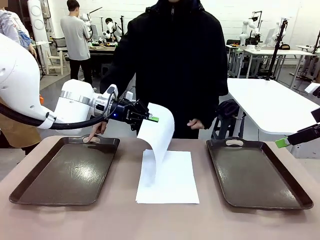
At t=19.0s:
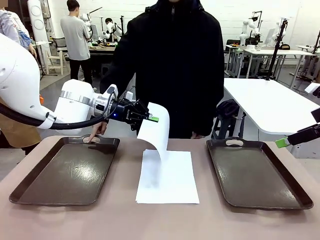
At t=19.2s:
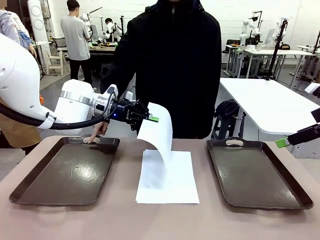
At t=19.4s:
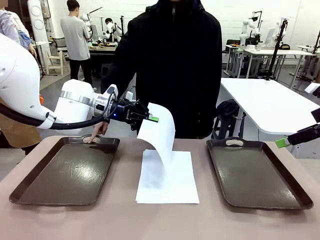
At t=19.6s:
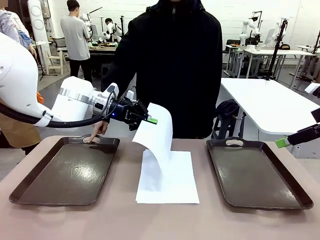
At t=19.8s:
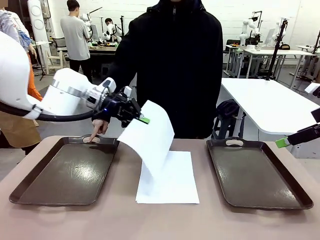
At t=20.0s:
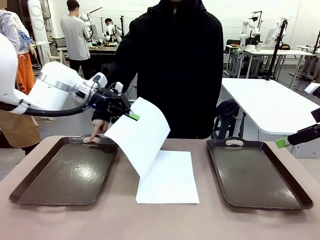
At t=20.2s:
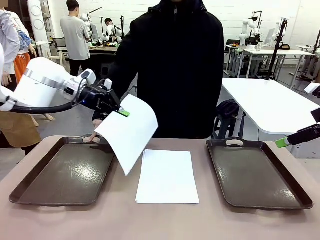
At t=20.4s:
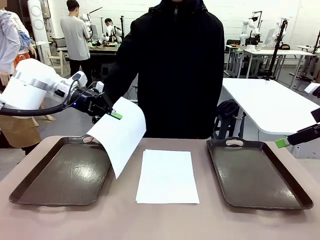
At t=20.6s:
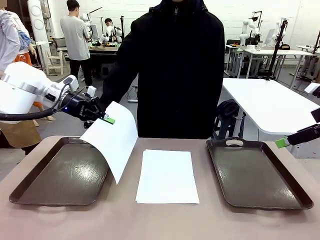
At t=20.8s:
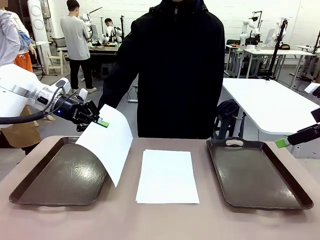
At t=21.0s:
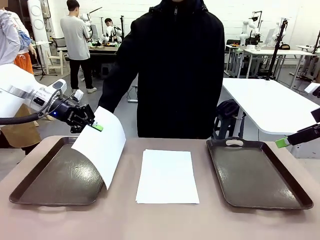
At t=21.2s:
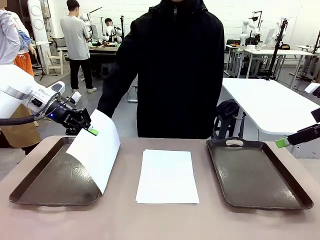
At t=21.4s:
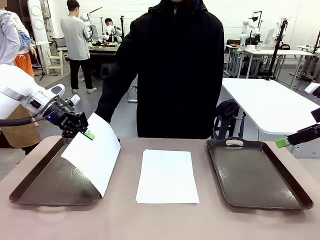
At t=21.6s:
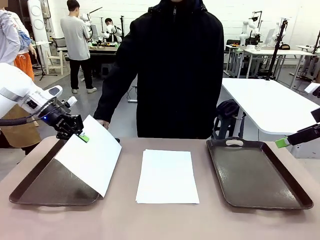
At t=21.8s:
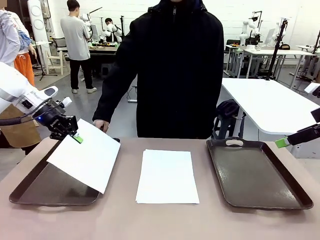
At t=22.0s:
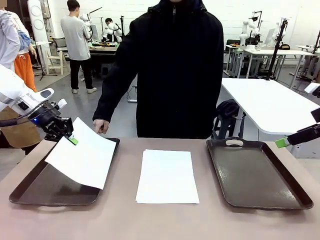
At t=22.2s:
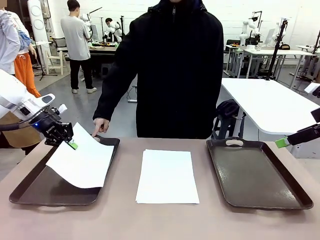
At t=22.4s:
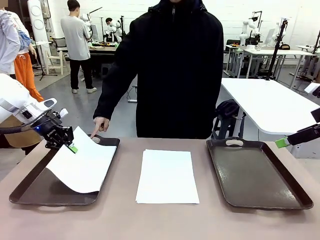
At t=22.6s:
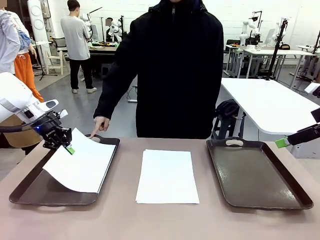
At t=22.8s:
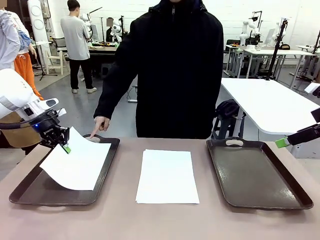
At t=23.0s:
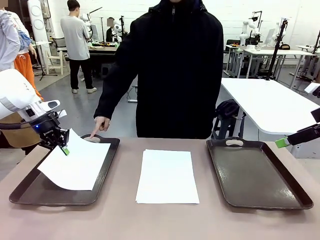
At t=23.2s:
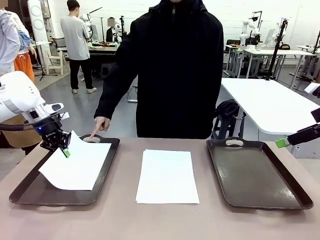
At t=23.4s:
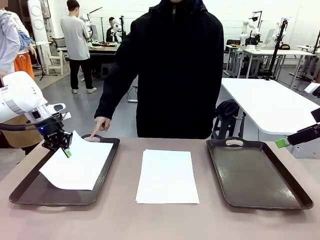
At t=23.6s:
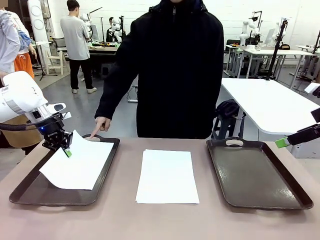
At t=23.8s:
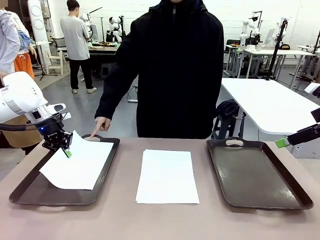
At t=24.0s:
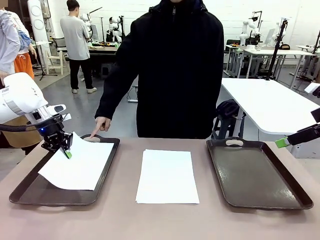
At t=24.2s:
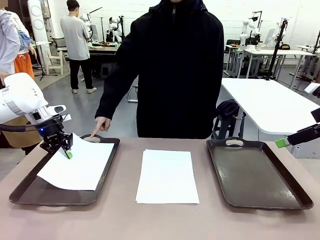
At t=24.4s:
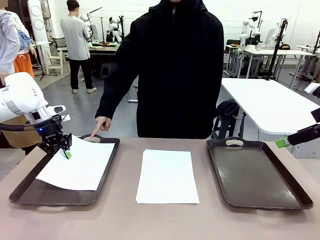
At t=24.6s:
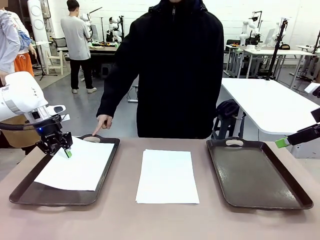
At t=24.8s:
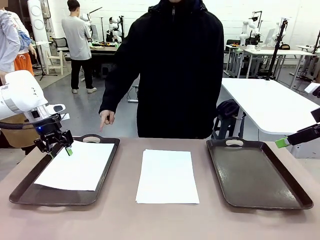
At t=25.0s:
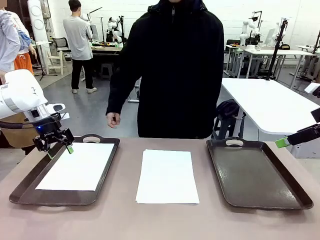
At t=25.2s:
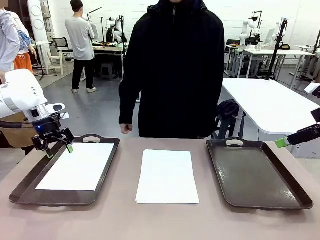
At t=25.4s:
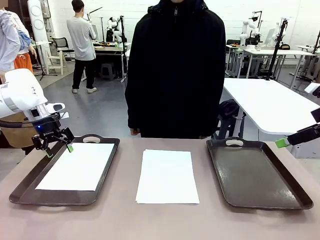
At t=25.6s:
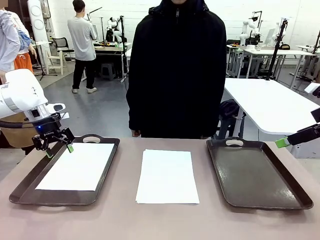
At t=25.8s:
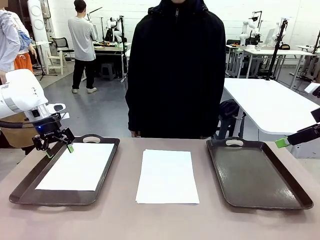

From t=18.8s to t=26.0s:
Task: Sort the A4 documents.
Robot: Place the A4 Paper in the designated Handle tray.

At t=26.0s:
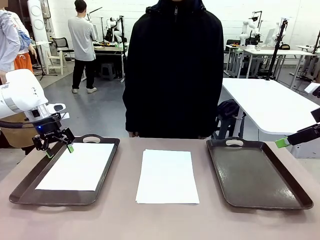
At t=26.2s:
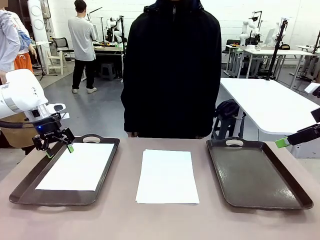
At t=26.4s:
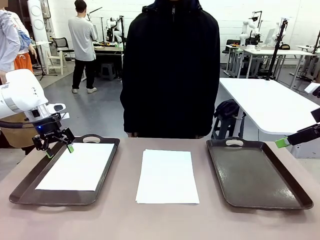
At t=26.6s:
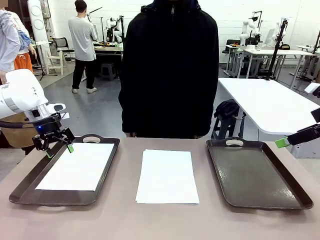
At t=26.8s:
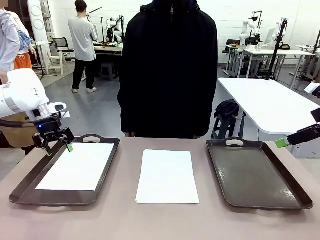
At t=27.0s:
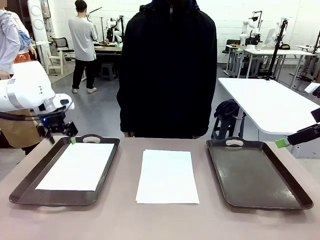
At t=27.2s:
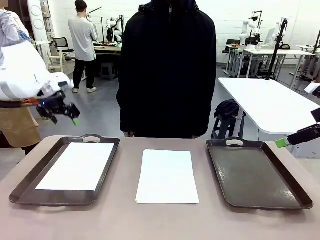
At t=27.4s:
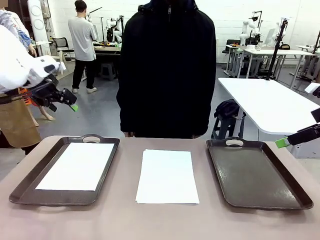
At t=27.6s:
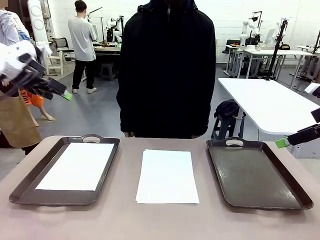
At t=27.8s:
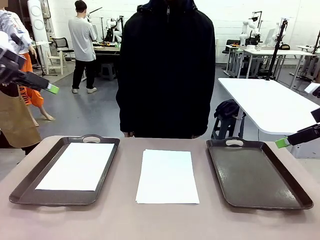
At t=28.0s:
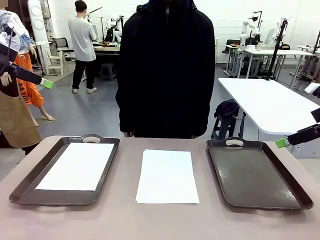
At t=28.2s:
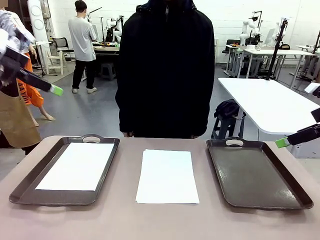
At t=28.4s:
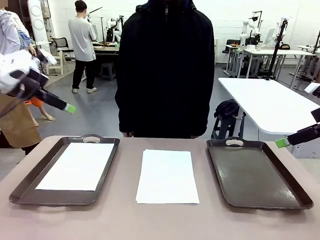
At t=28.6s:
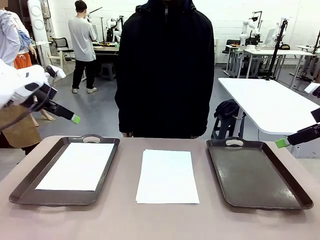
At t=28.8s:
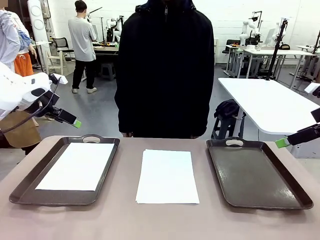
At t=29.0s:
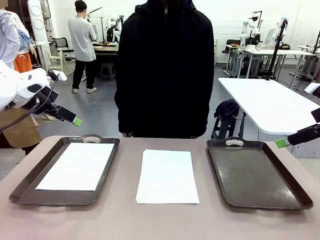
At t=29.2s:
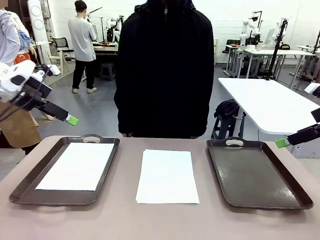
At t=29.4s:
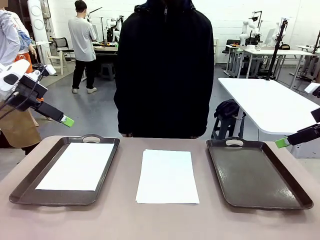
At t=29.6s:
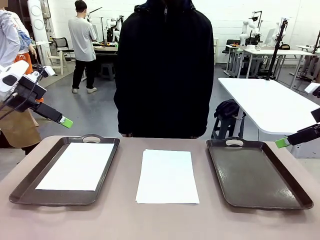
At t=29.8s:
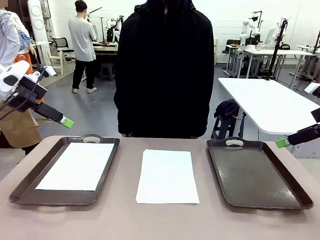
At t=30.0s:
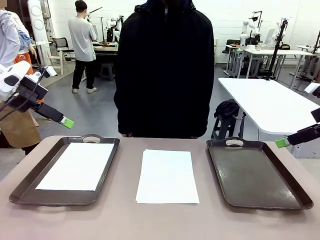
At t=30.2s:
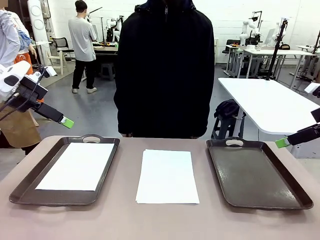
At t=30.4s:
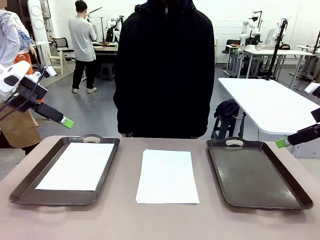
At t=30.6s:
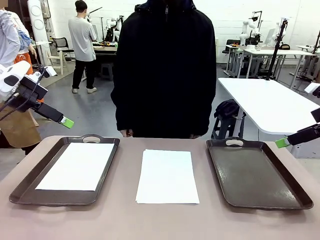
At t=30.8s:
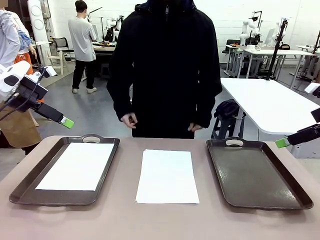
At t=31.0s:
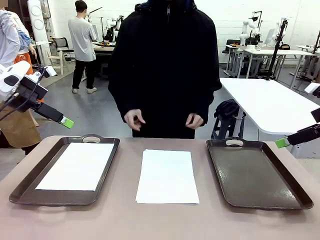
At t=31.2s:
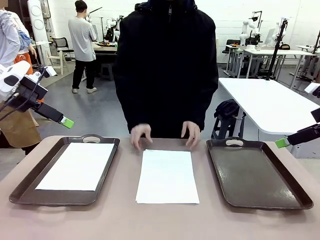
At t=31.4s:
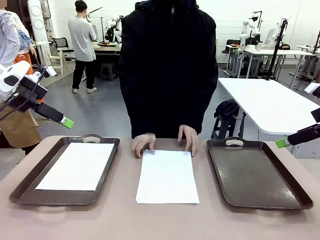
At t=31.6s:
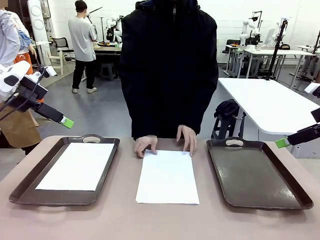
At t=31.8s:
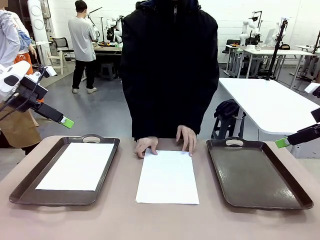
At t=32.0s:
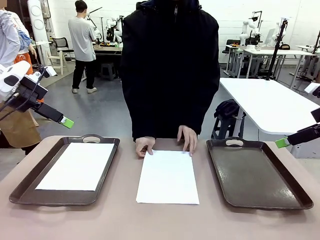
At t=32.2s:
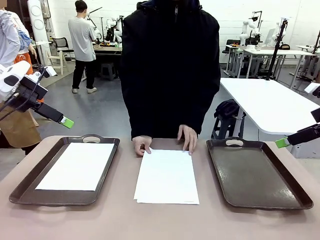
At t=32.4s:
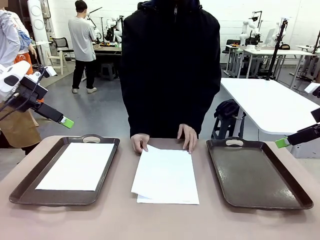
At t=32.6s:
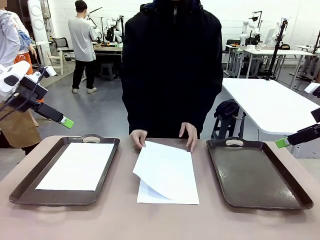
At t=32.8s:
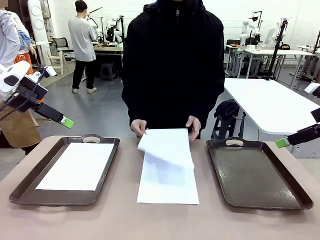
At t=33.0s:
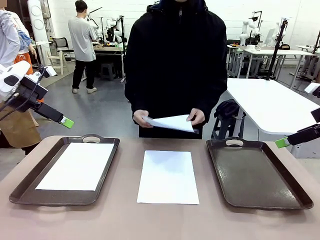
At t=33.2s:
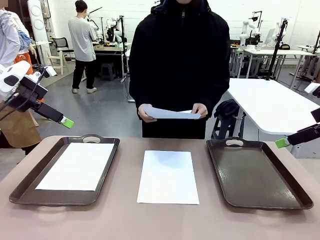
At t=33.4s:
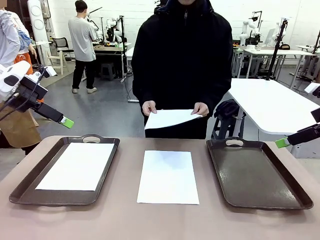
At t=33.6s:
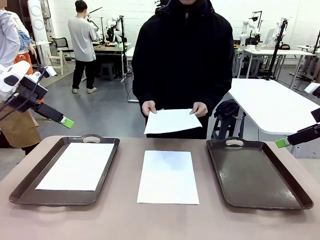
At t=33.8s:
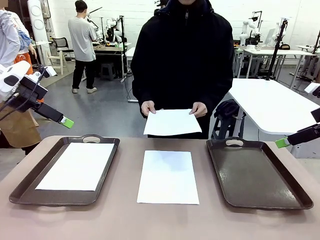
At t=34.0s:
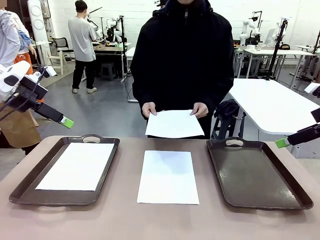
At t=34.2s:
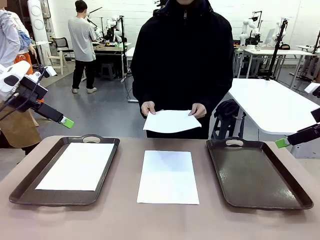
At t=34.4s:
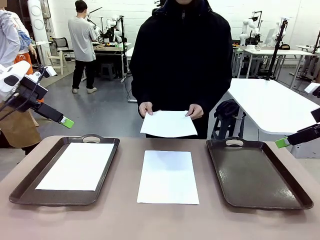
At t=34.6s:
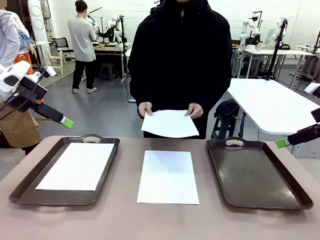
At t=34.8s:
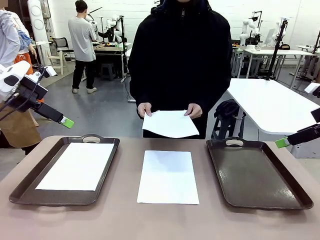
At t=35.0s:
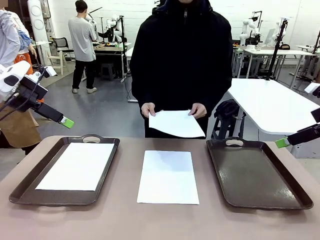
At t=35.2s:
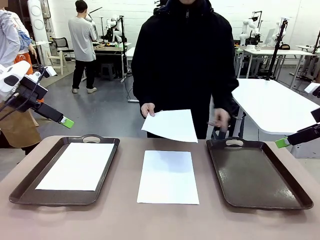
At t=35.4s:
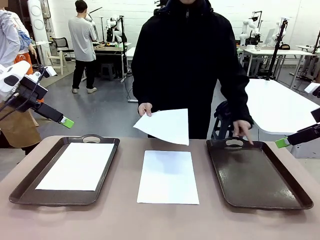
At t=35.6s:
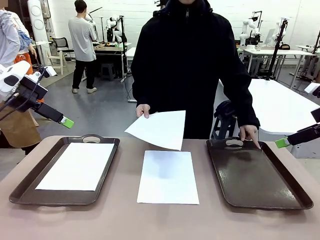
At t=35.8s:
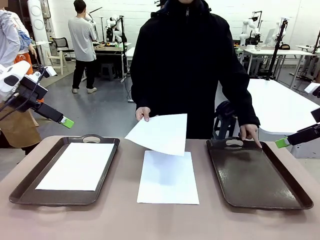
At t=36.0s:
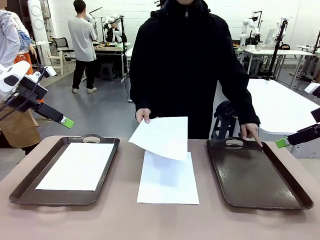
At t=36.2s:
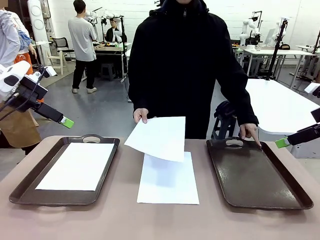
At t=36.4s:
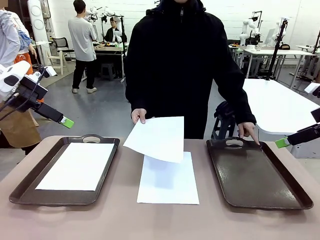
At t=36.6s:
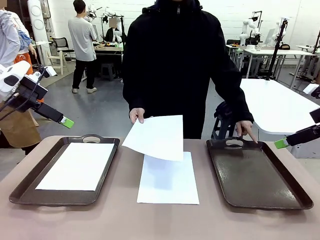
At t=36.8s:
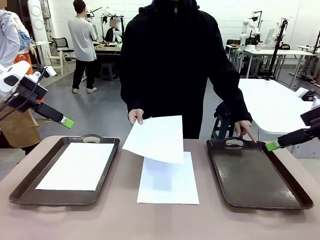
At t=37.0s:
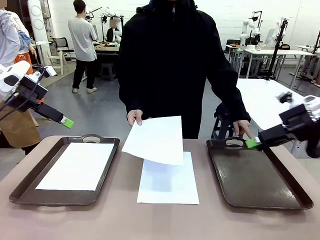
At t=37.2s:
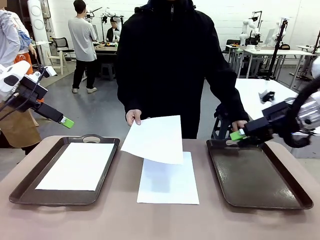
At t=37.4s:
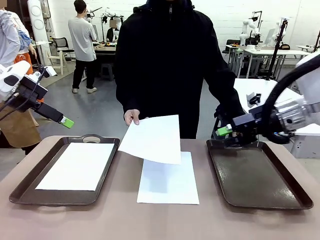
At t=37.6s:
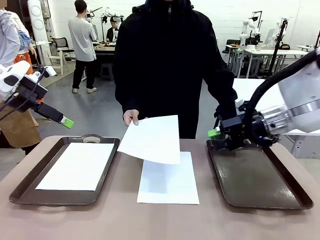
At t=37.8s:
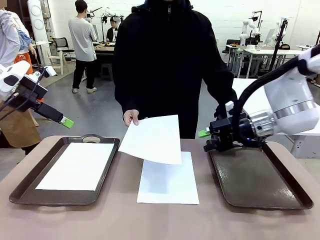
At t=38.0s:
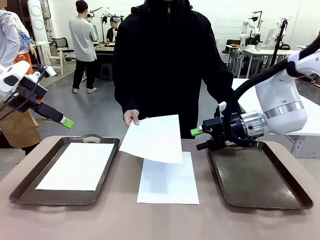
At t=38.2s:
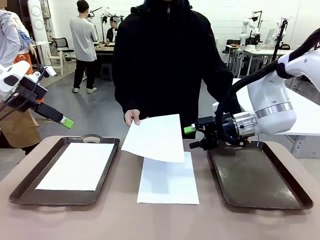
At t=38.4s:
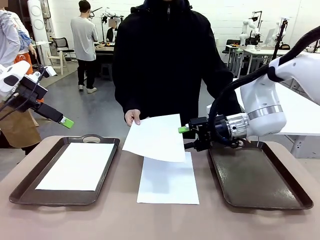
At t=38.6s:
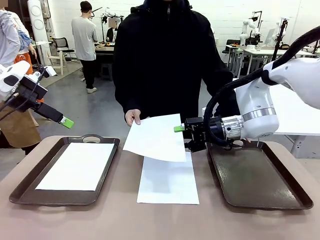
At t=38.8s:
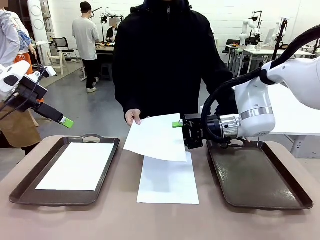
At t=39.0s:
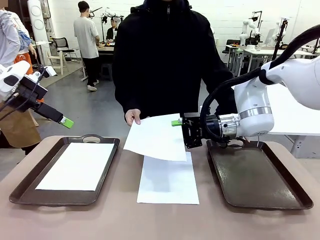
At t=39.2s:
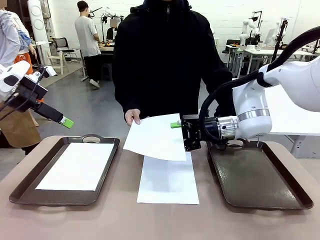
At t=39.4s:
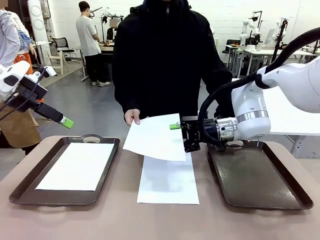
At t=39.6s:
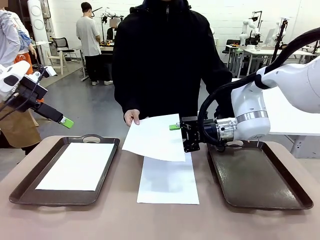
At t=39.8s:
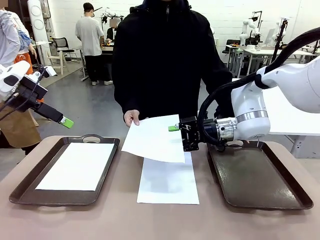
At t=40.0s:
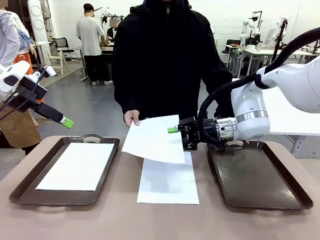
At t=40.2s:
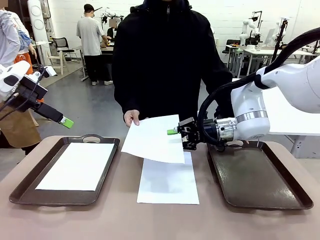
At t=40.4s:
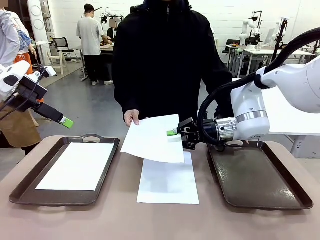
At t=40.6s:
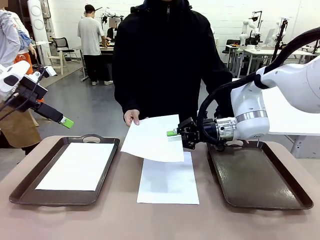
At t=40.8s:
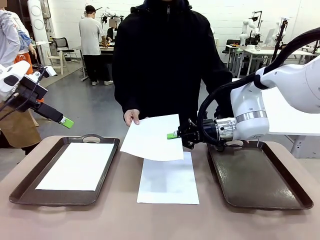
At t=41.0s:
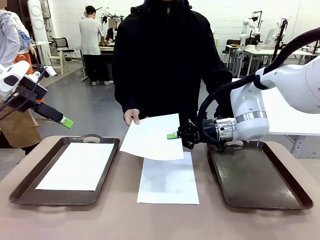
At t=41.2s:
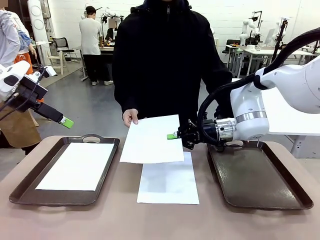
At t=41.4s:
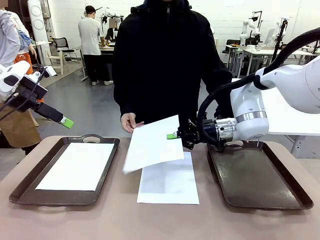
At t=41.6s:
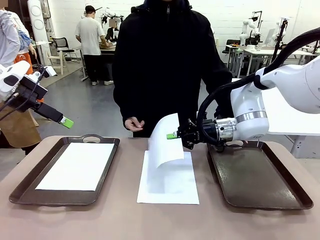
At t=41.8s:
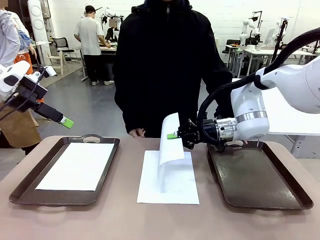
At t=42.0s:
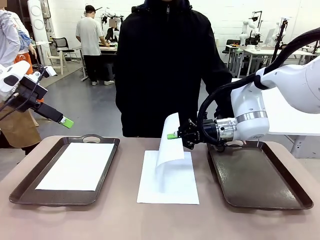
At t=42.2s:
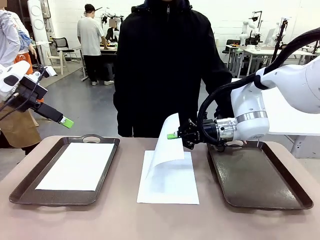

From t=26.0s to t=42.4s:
Robot: Receive the A4 Paper.
Person: Point the randomly selected tray with the other hand.
